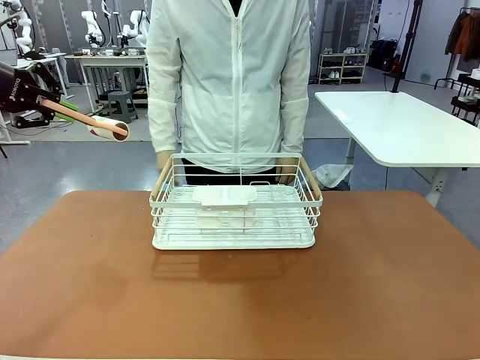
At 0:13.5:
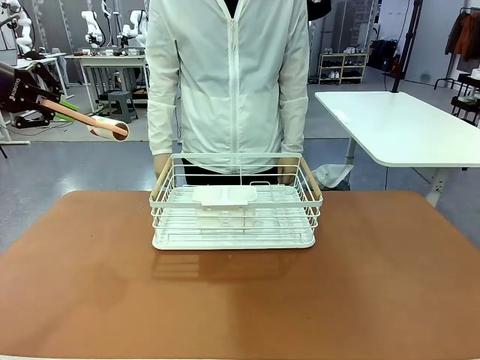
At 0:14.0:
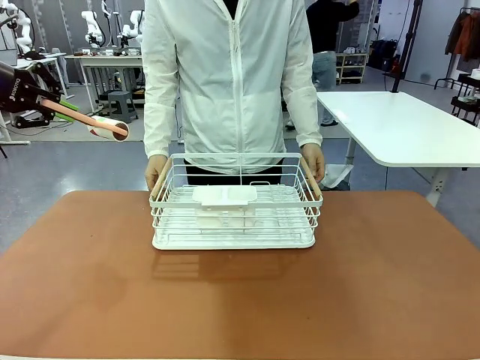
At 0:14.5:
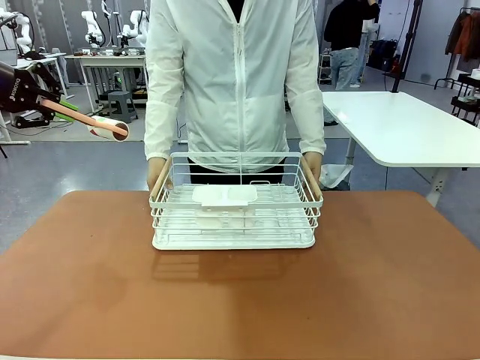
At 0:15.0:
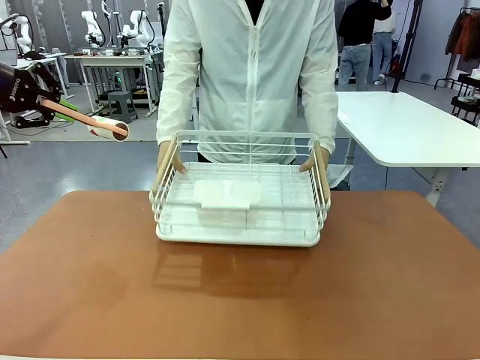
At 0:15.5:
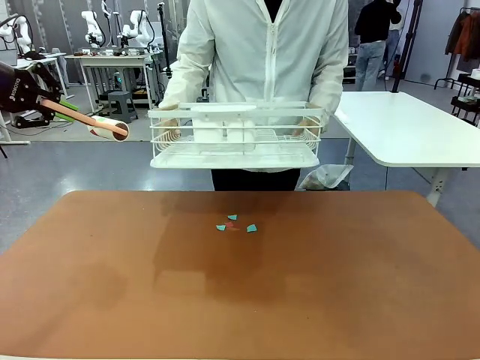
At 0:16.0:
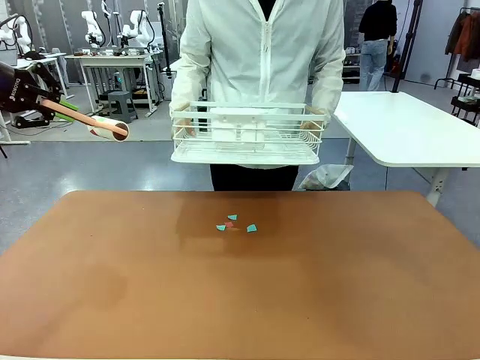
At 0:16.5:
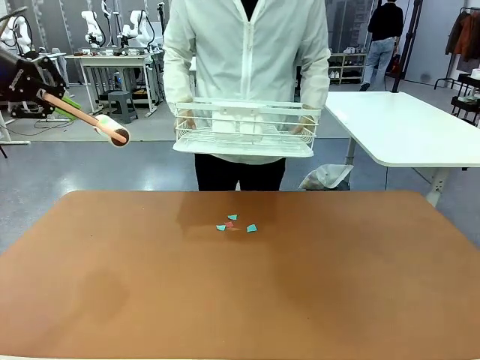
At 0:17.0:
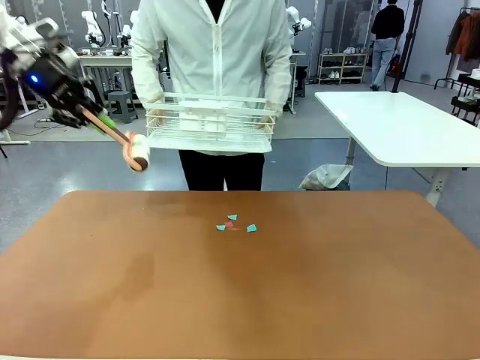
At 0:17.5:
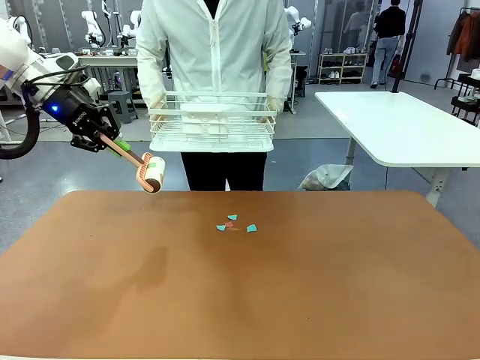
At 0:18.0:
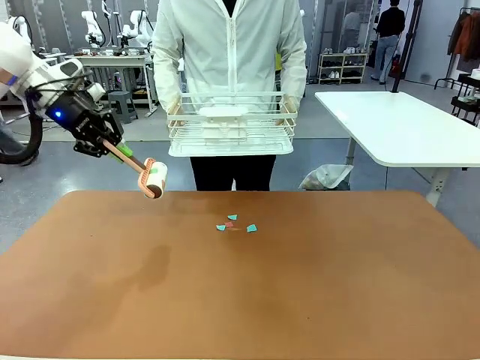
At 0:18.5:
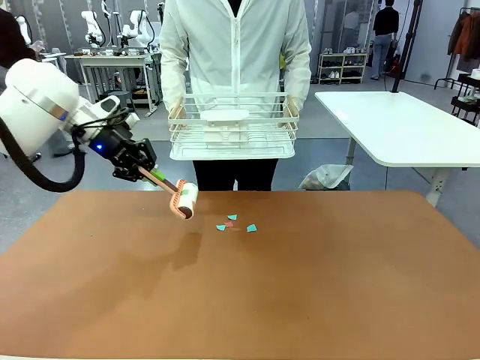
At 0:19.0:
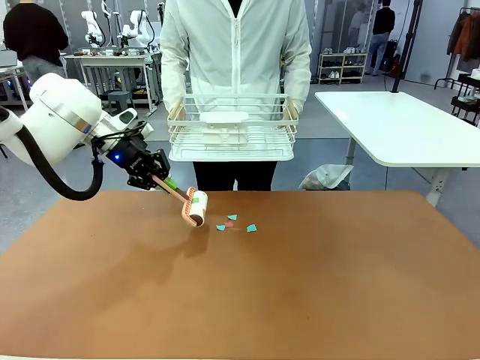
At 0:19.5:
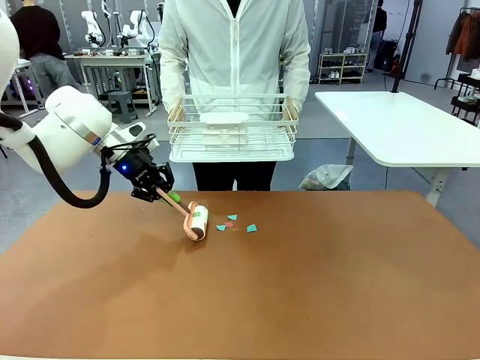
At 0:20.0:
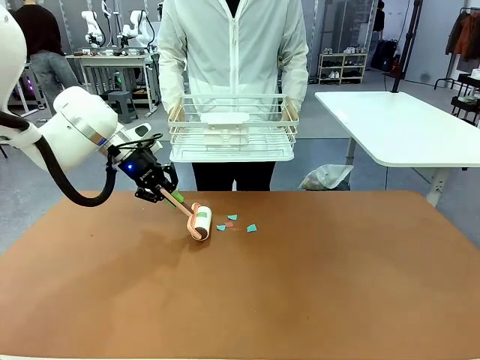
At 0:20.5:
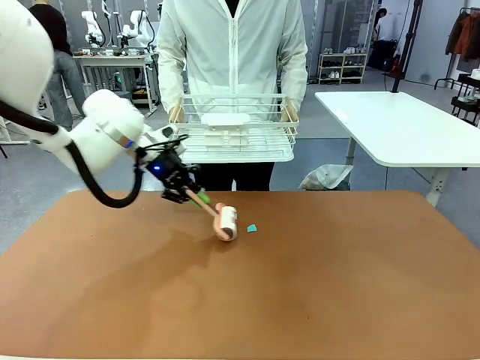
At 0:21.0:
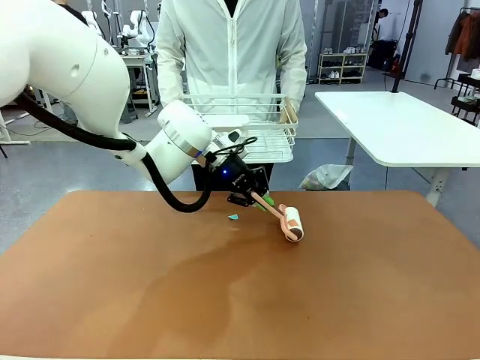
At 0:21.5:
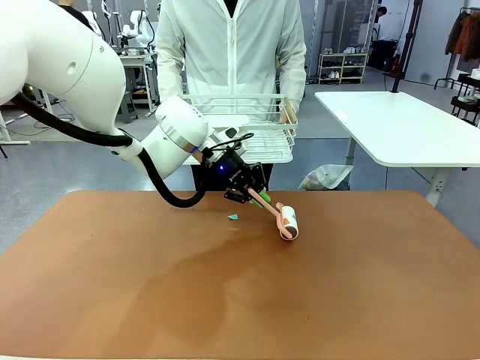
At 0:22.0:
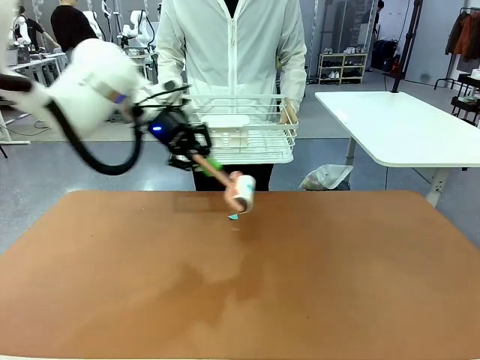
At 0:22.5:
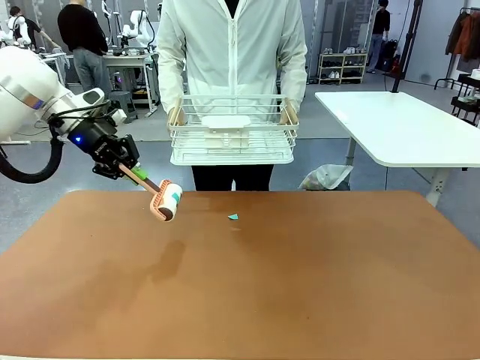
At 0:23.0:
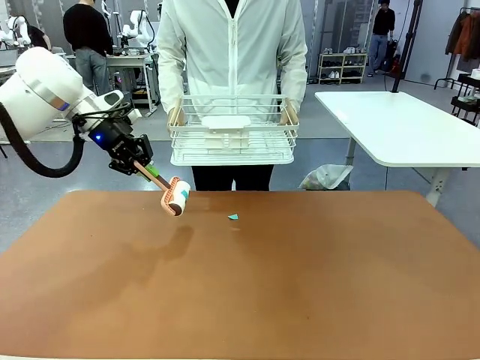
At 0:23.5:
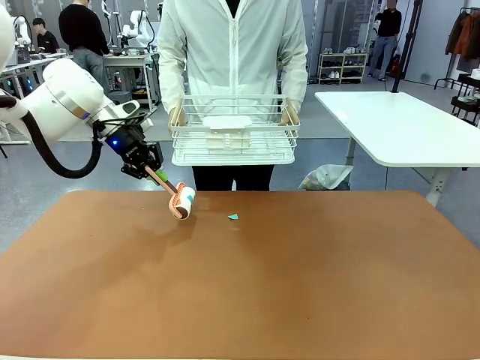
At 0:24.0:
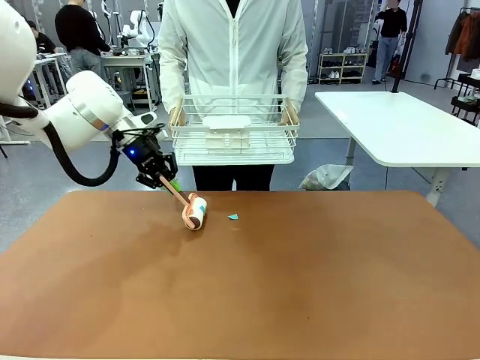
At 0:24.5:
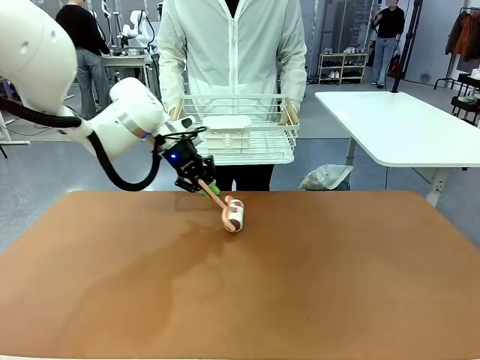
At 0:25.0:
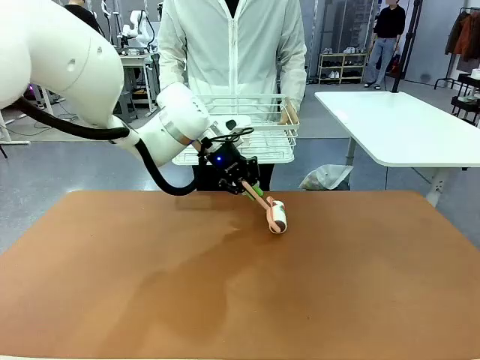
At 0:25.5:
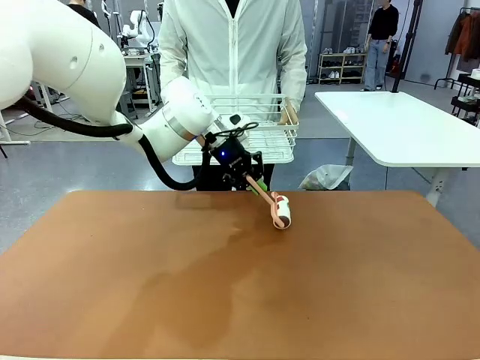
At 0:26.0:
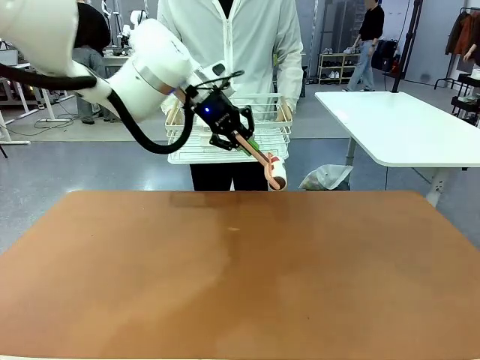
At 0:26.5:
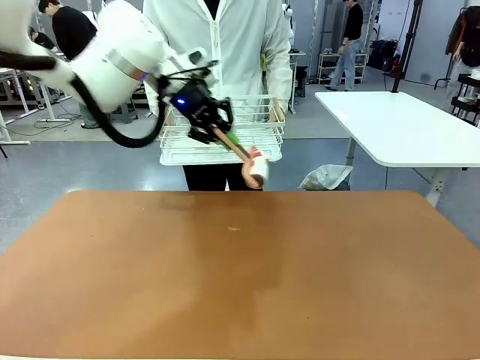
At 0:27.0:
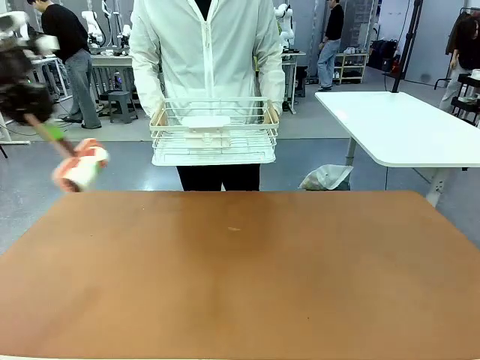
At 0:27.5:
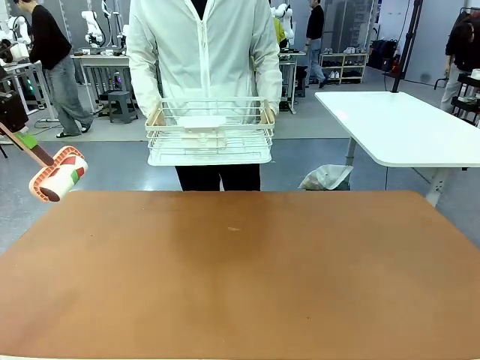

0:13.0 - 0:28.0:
Task: Clean the table.
Robot: Clean the table with the Lint Roller when the human lifts the Dish drying rack.
Person: Place the Dish drying rack down when the robot finishes cleaning.

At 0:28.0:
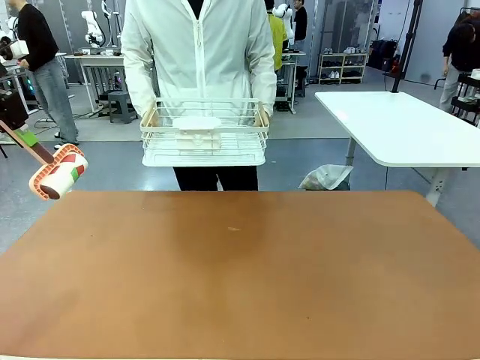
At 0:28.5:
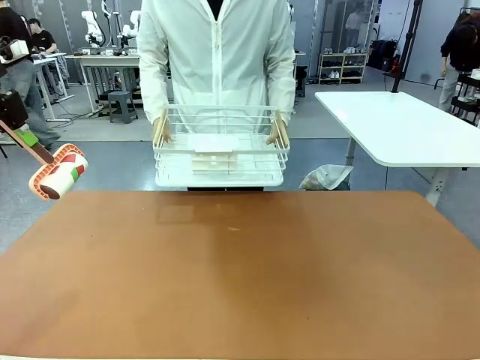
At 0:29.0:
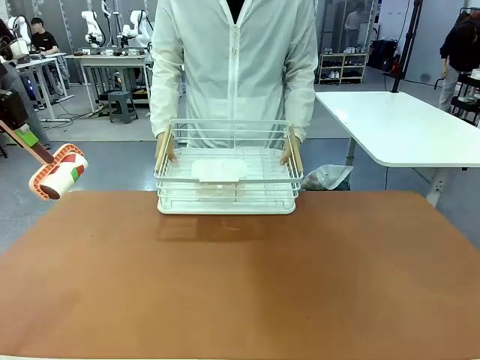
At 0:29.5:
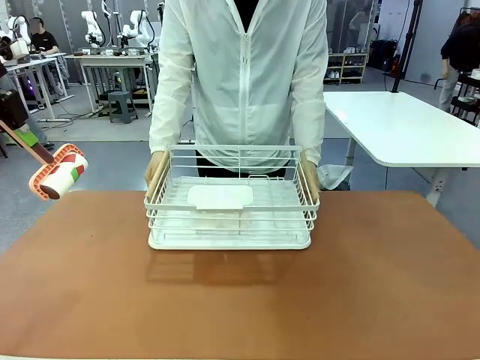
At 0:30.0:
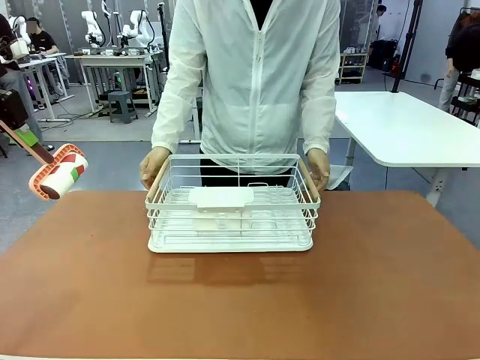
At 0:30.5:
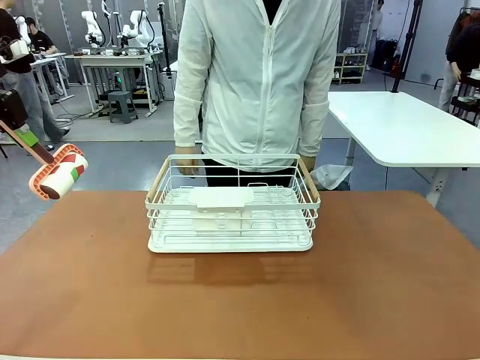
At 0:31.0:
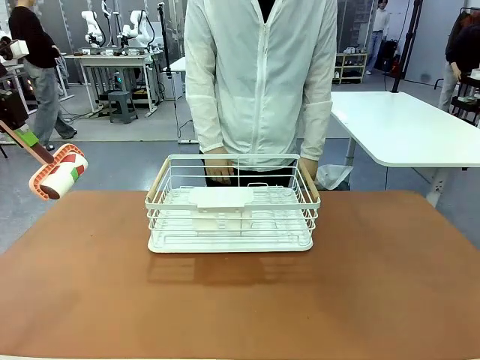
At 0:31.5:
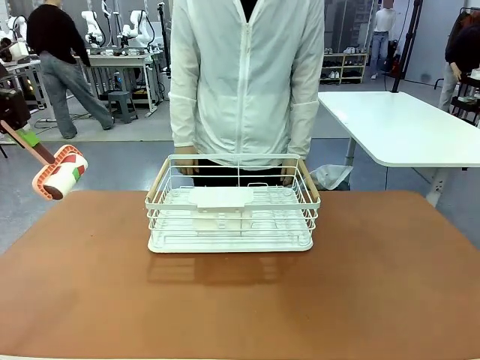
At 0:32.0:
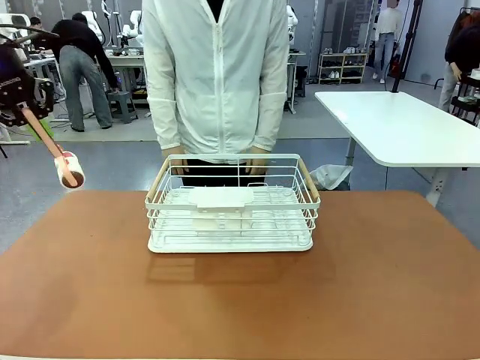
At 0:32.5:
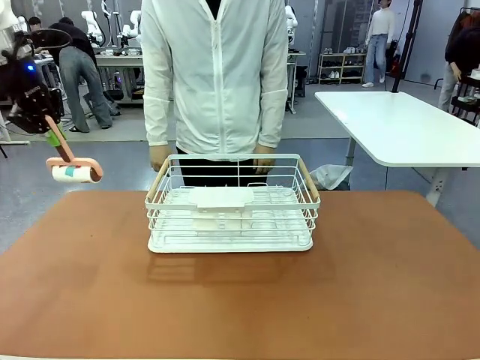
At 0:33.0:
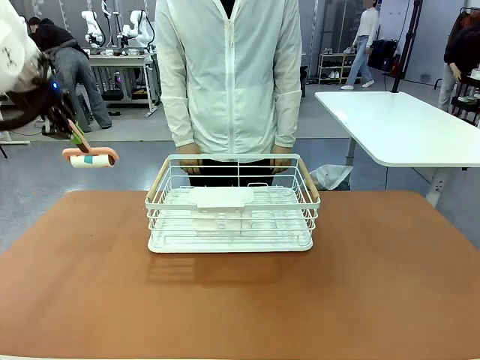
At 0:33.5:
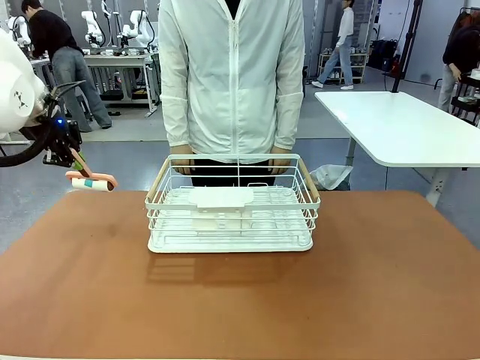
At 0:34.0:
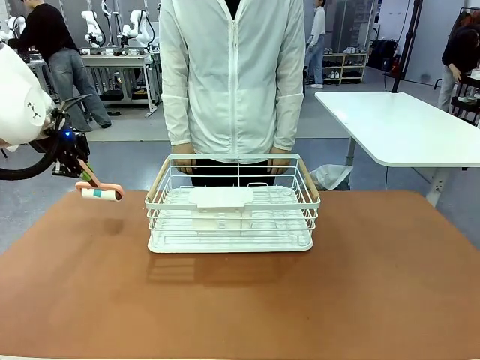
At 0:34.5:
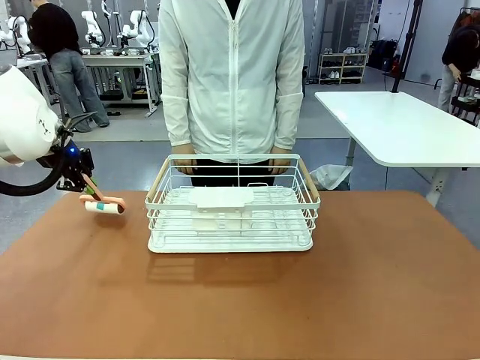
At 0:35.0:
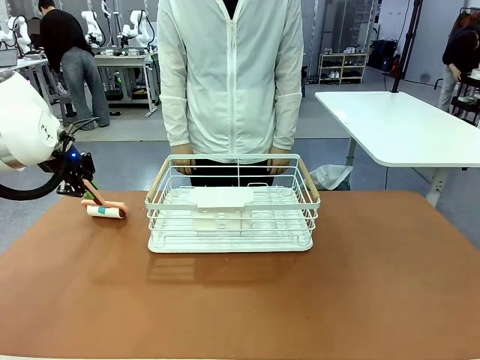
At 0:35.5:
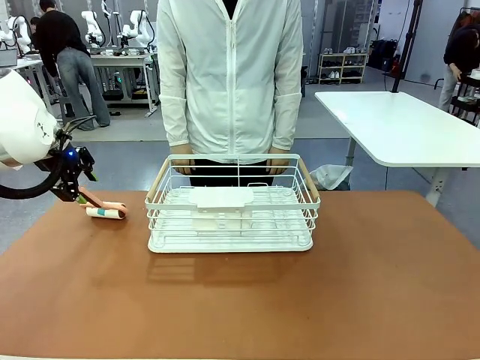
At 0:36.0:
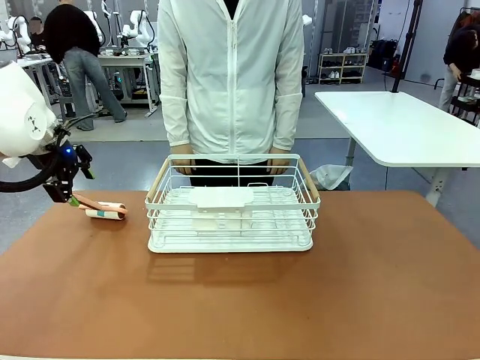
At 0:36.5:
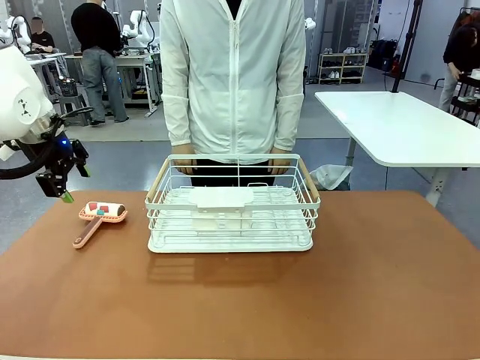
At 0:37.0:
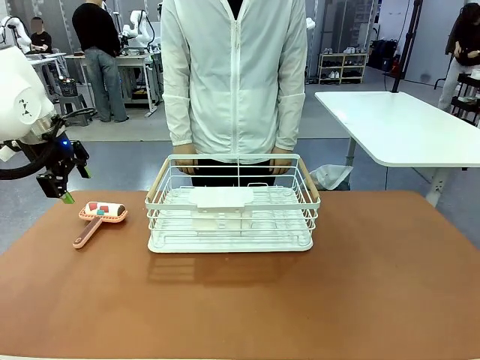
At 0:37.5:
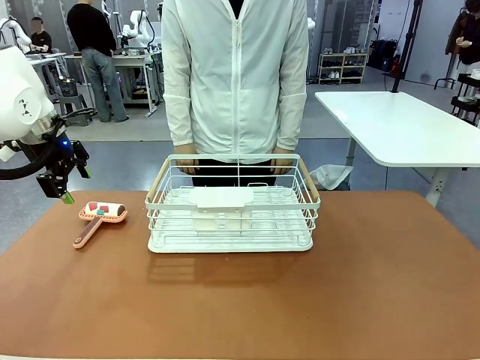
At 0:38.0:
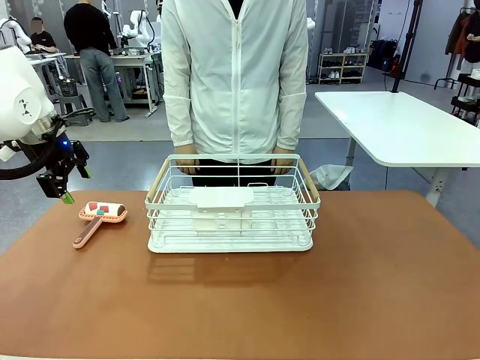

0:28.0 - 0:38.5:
Robot: Place the Lint Roller down when the Dish drying rack is positioned in the middle of the table.
